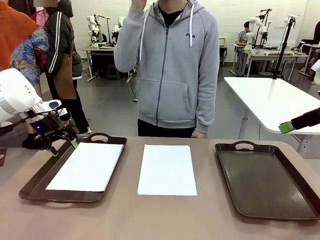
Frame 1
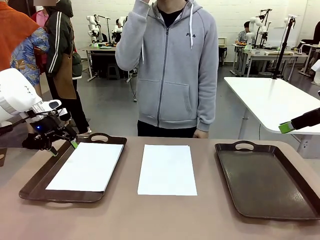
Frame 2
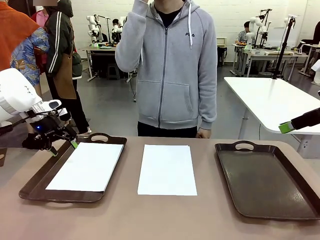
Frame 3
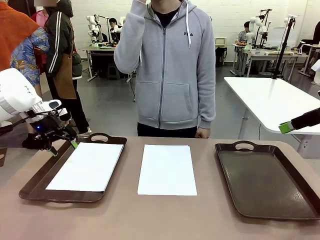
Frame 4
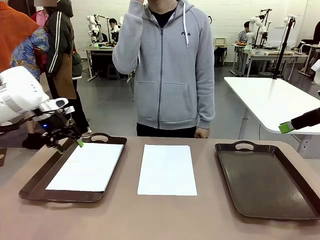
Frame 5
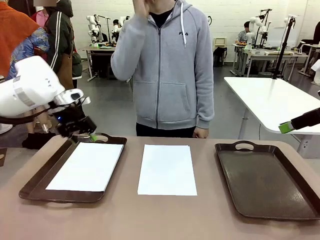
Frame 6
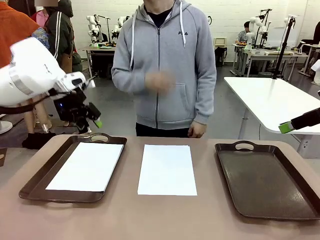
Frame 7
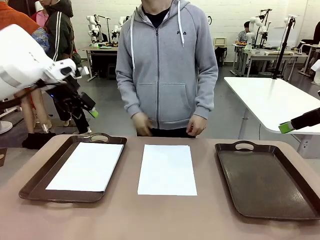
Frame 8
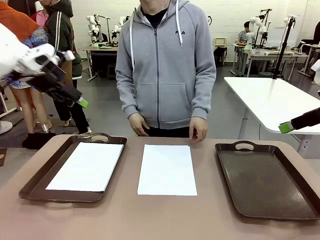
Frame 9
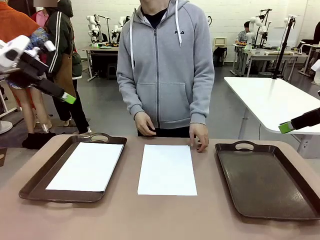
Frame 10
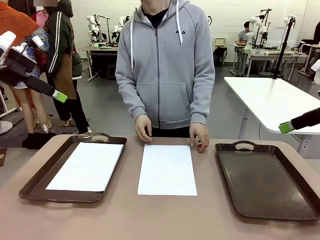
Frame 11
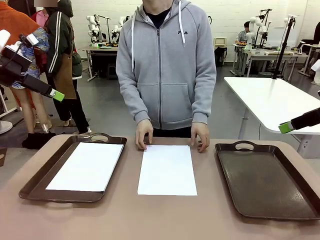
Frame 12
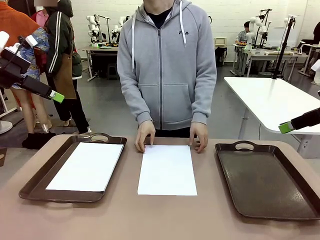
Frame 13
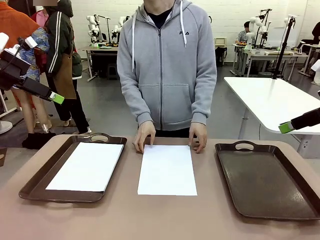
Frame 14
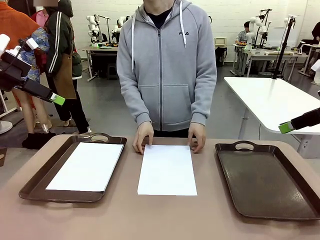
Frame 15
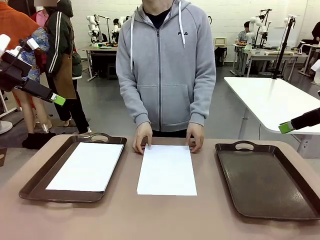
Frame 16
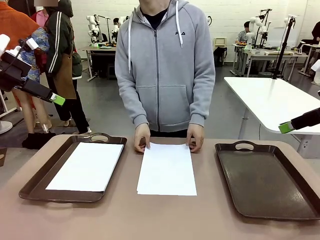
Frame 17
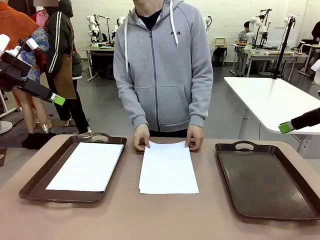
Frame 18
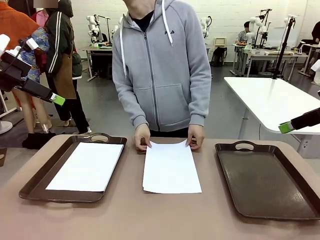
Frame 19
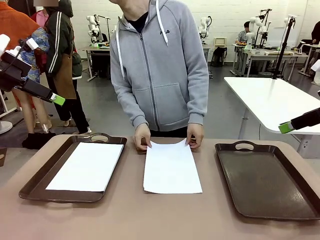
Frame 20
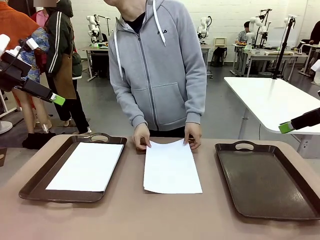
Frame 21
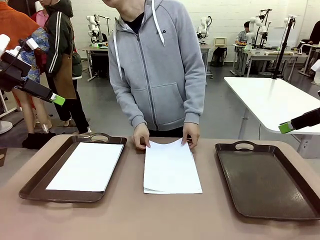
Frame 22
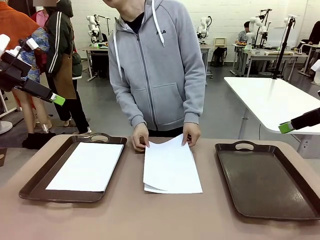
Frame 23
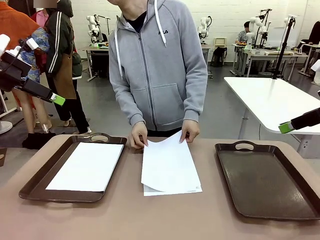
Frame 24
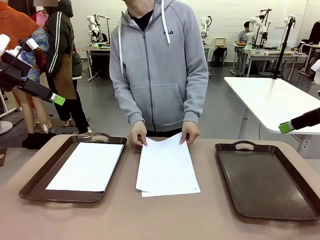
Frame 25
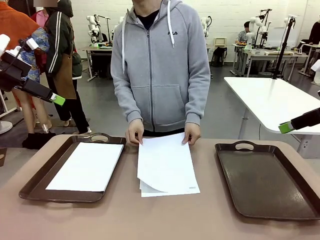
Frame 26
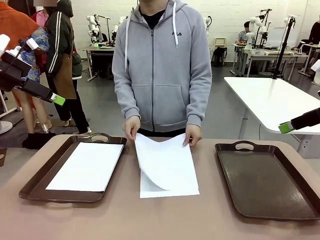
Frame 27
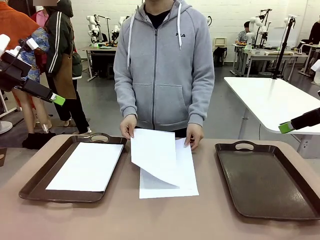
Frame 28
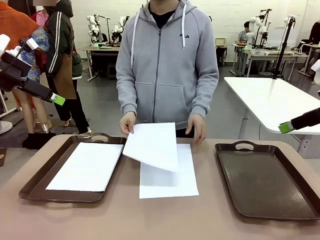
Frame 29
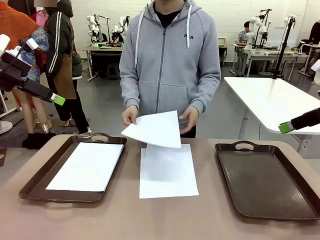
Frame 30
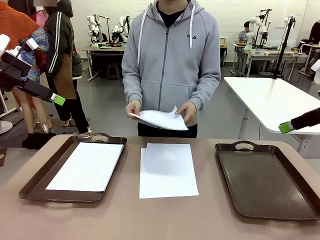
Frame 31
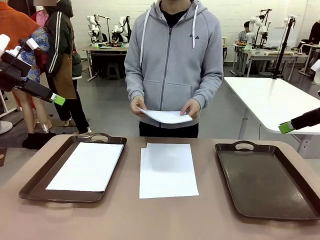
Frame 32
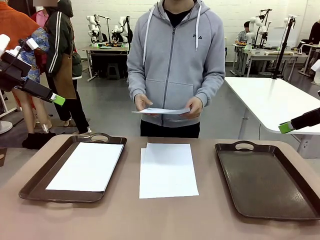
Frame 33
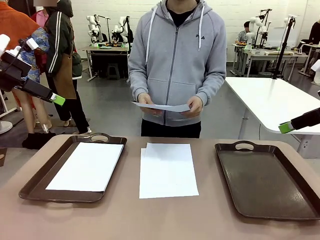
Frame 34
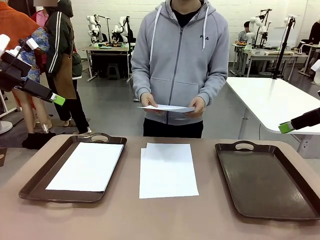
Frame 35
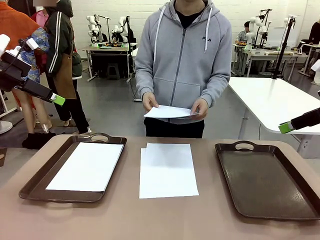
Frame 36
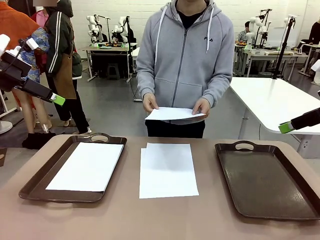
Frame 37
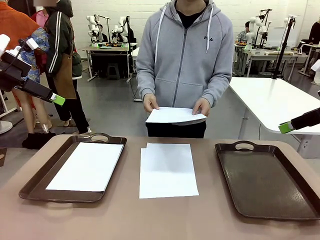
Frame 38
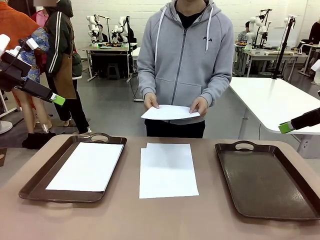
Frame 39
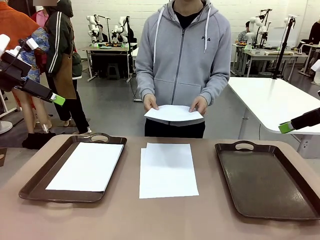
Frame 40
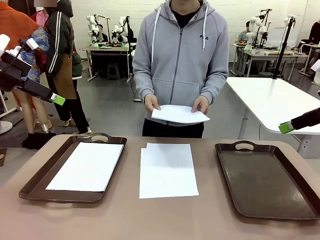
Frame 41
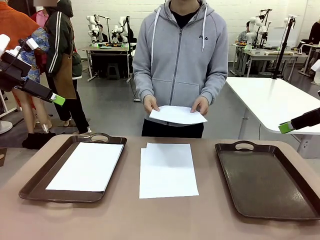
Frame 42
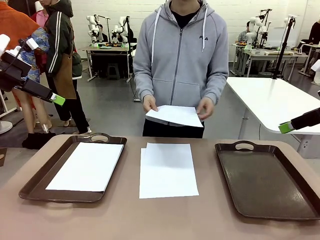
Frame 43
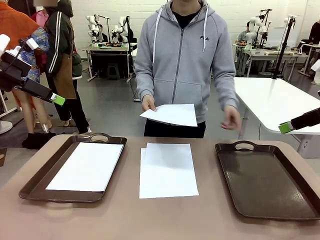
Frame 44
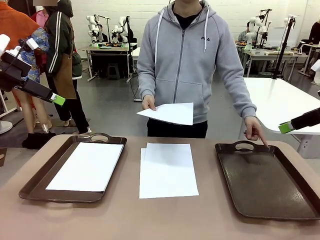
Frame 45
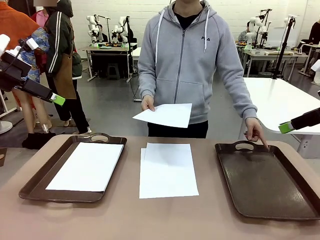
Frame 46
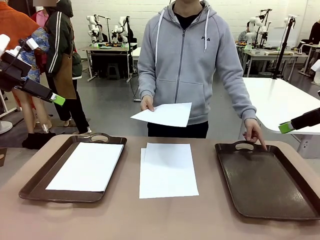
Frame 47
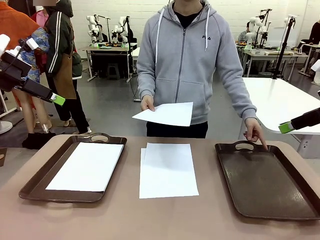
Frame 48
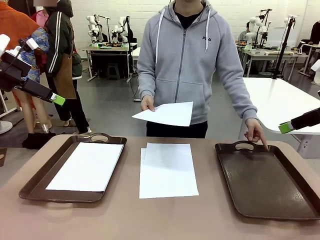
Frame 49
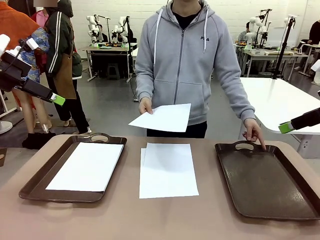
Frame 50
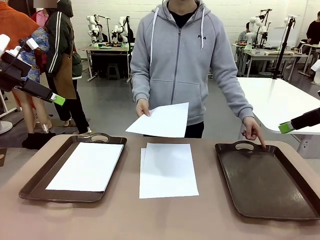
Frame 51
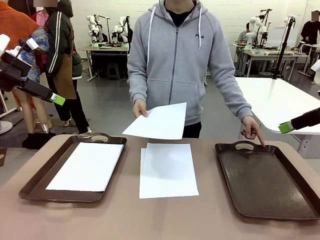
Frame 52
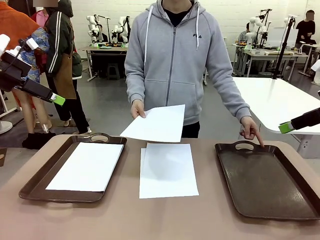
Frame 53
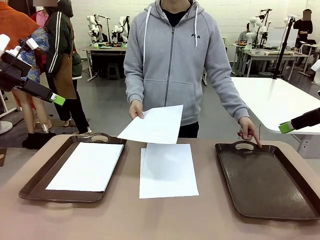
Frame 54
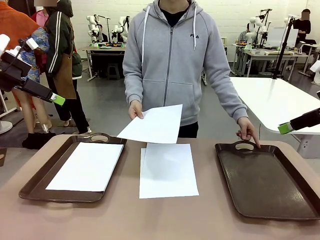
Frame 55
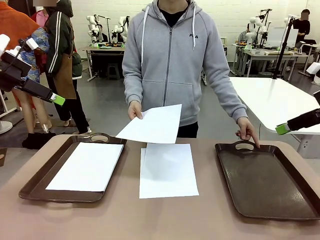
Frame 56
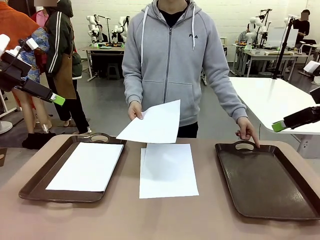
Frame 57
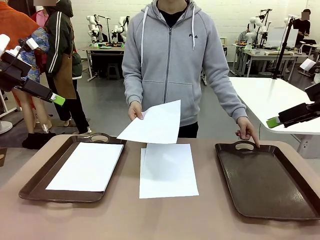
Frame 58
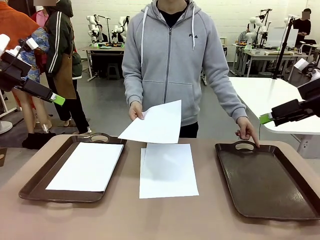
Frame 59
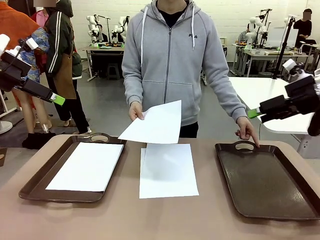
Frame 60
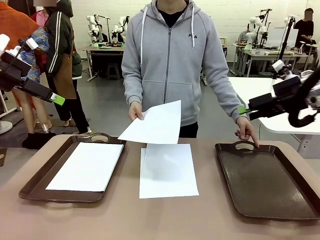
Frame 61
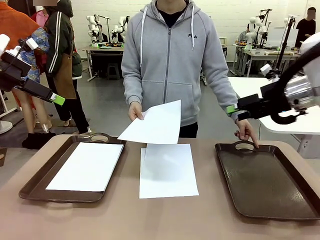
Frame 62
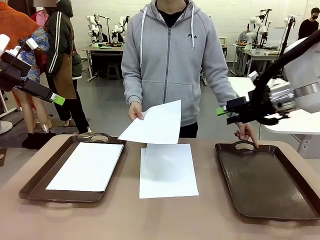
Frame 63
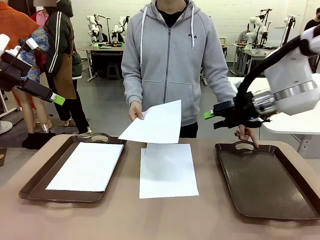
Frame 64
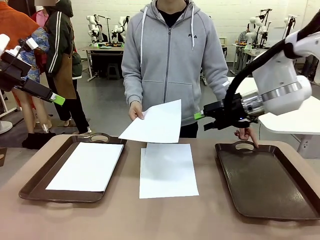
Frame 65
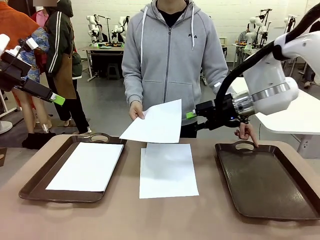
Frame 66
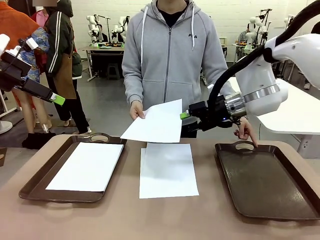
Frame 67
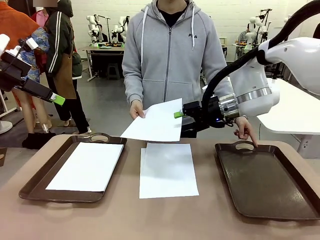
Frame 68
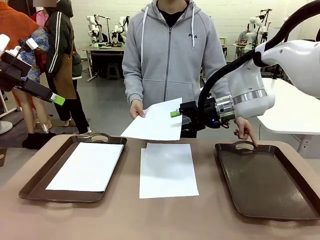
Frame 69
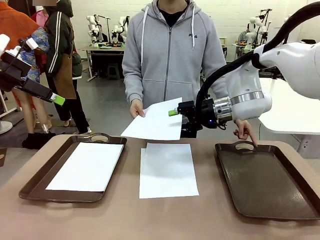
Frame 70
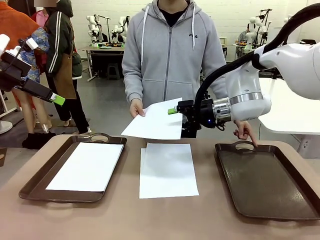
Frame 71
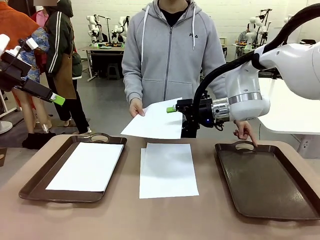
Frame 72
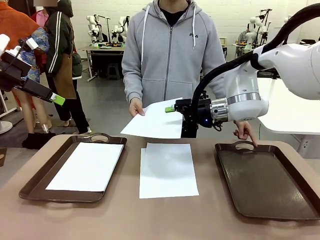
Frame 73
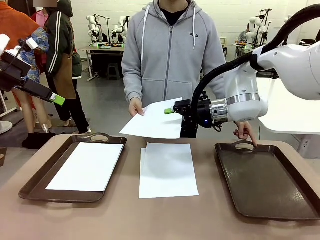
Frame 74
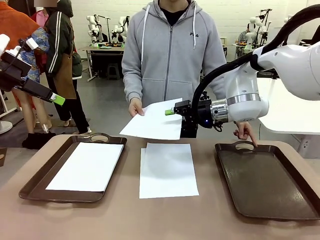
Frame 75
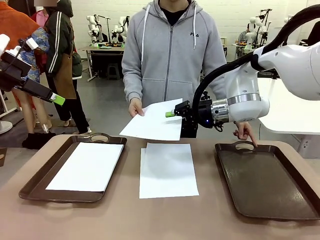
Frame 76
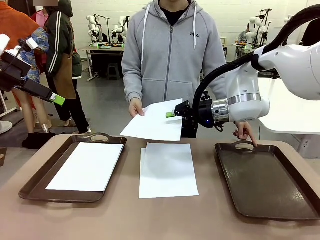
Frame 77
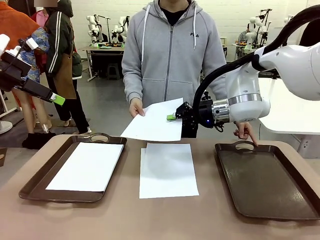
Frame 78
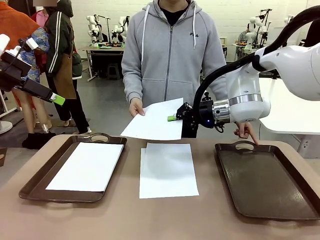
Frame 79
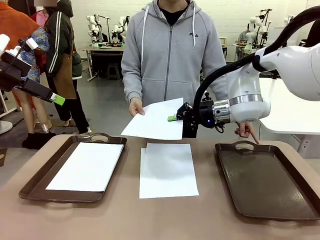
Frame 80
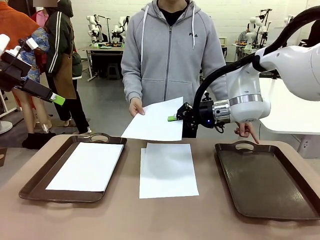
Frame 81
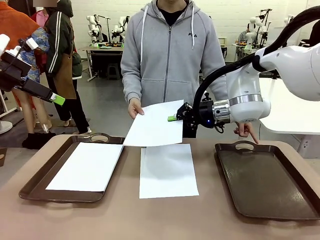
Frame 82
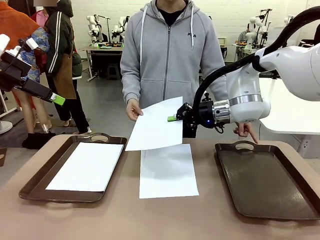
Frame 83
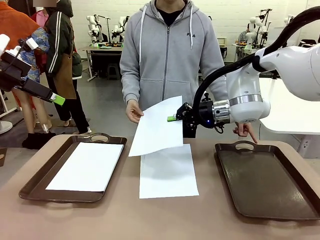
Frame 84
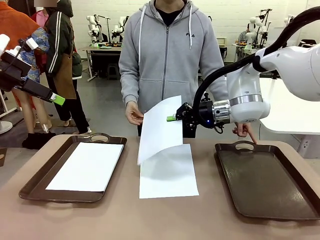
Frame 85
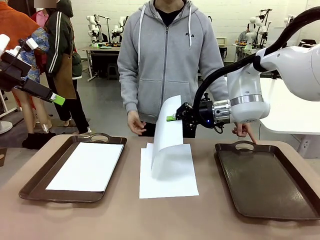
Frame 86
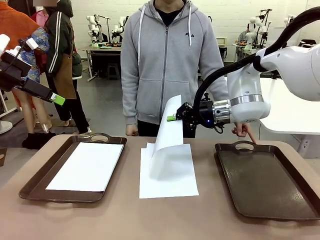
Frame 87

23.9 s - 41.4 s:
Task: Sort the A4 documents.
Robot: Receive the A4 Paper.
Person: Point the randomly selected tray with the other hand.

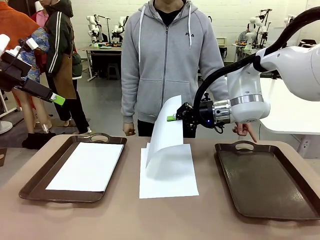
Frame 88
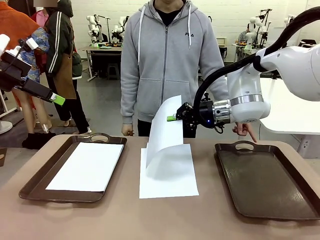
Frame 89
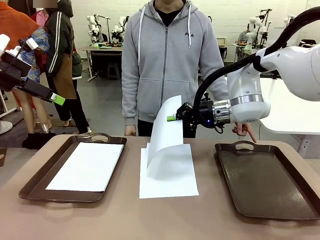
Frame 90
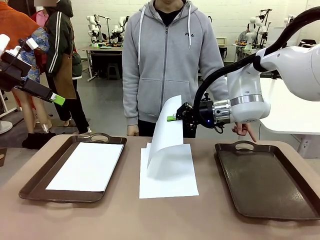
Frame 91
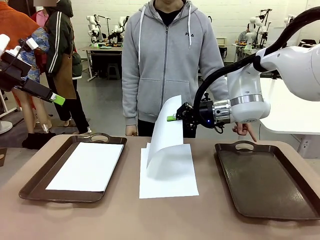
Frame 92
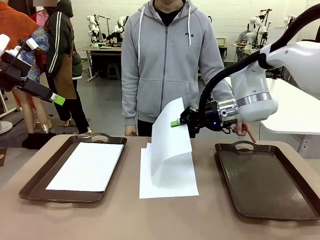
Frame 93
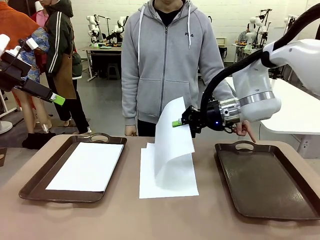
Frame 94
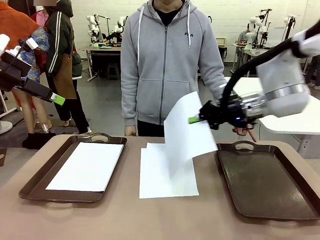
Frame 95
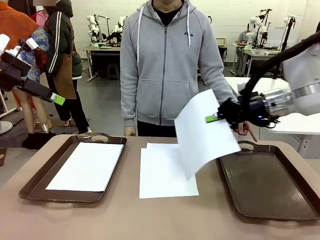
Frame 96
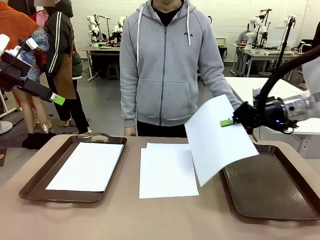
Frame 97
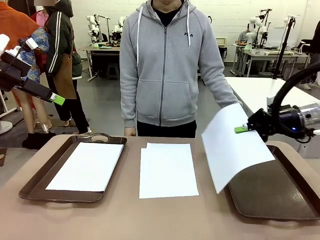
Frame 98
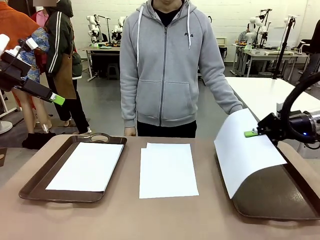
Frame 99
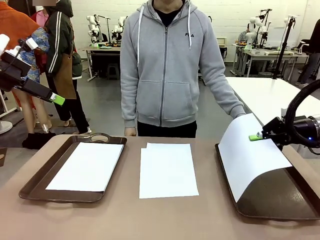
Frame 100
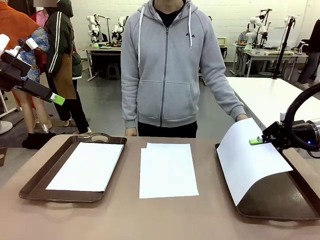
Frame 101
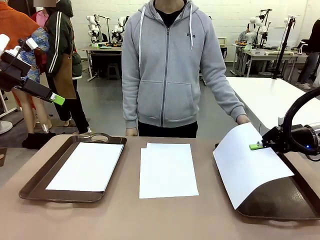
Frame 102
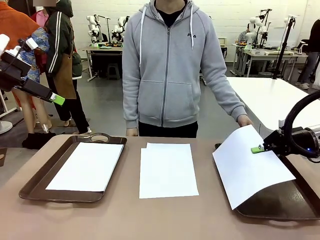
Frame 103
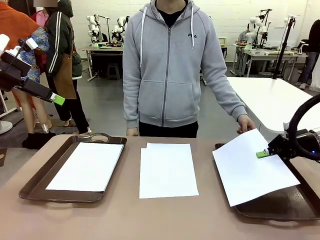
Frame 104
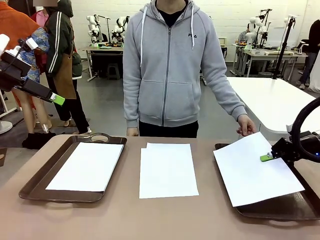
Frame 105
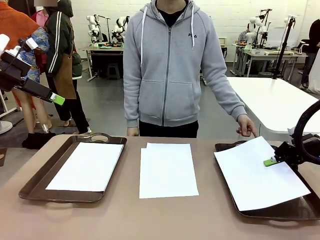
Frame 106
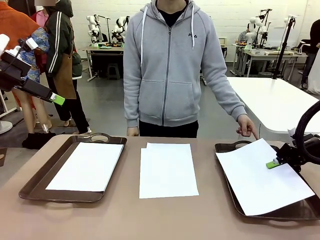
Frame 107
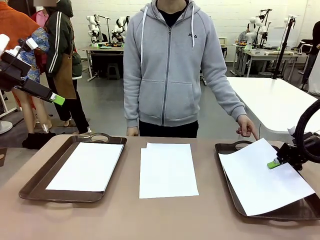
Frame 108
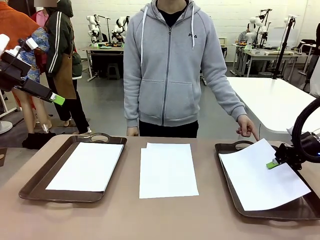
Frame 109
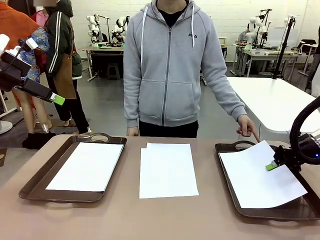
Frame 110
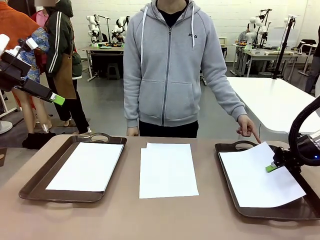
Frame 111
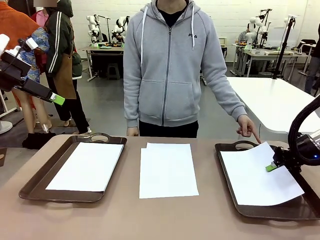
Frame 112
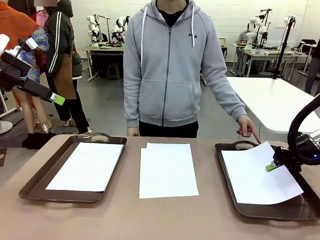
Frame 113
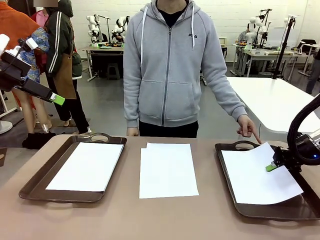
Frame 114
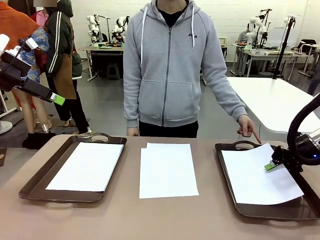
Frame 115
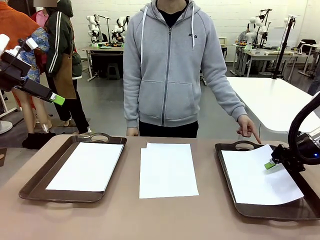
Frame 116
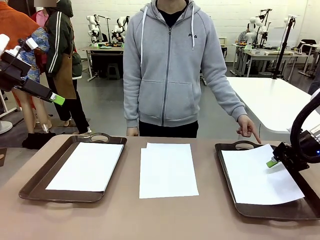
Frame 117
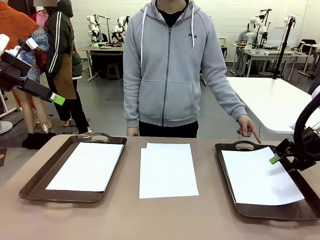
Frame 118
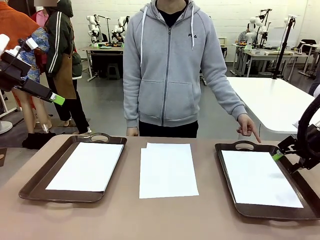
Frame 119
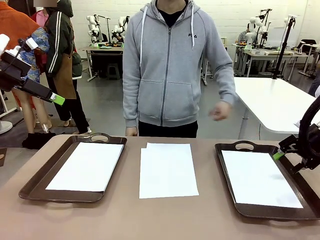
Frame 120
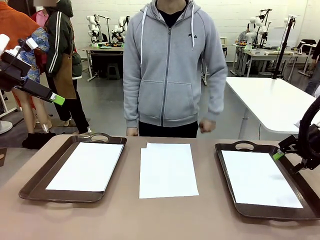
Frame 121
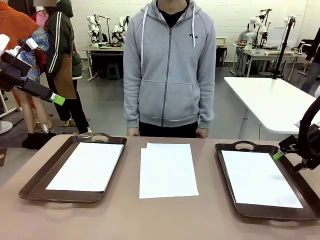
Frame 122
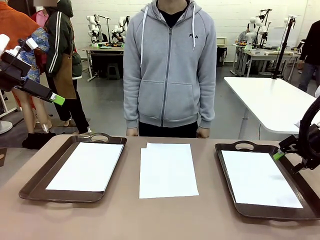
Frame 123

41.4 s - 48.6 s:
Robot: Place the A4 Paper in the designated Handle tray.
